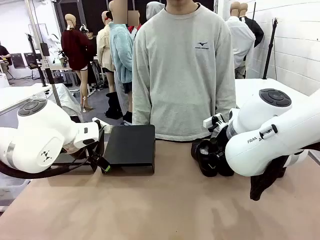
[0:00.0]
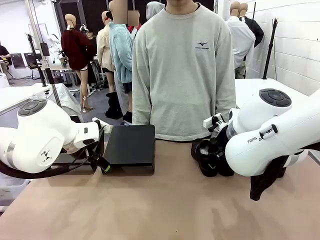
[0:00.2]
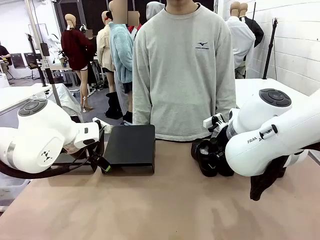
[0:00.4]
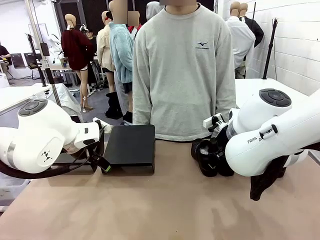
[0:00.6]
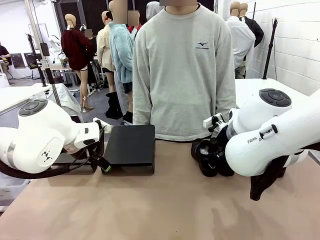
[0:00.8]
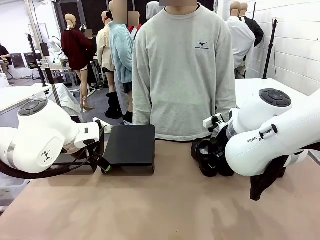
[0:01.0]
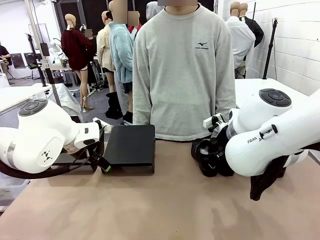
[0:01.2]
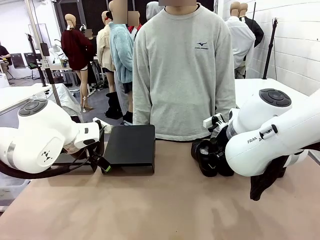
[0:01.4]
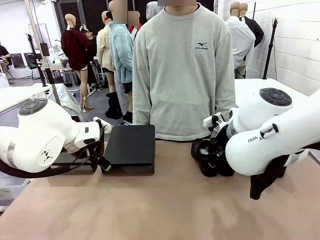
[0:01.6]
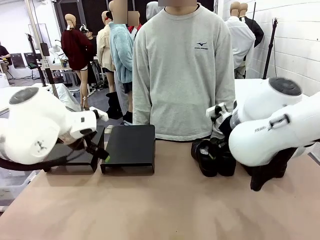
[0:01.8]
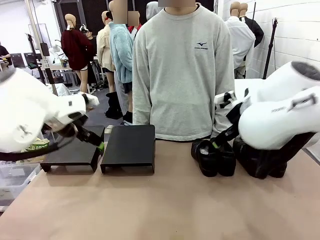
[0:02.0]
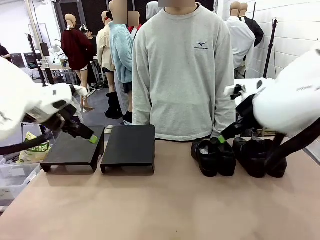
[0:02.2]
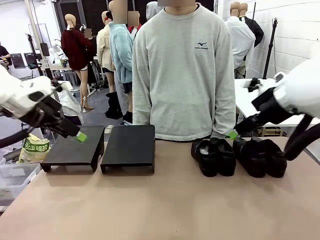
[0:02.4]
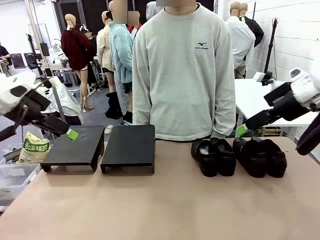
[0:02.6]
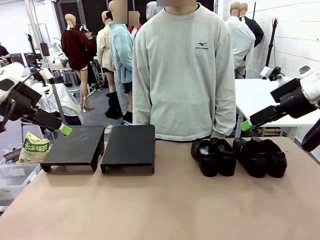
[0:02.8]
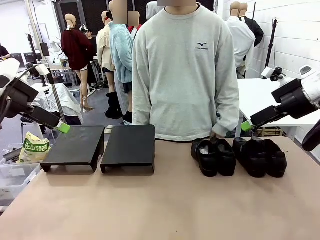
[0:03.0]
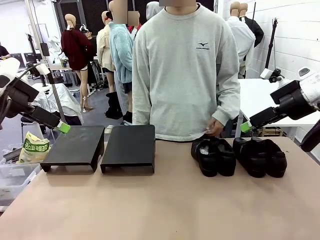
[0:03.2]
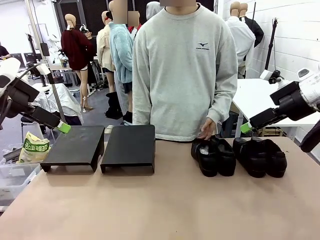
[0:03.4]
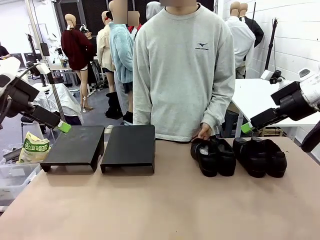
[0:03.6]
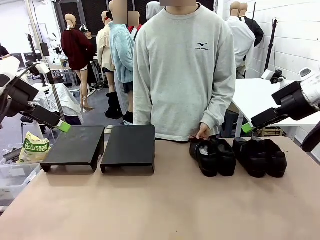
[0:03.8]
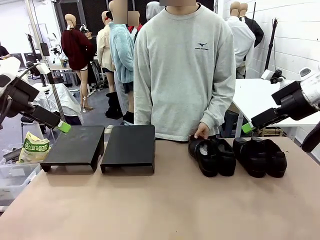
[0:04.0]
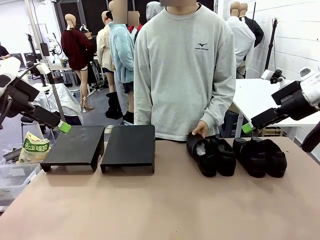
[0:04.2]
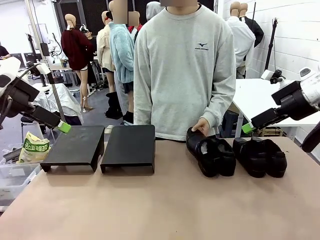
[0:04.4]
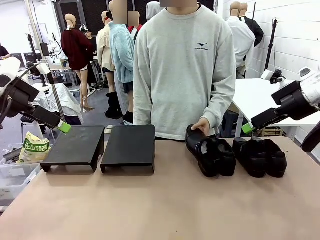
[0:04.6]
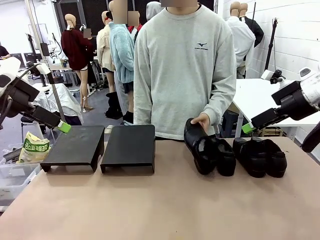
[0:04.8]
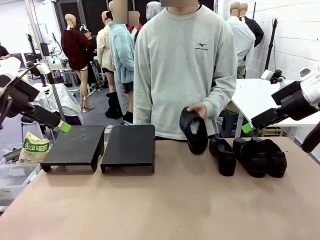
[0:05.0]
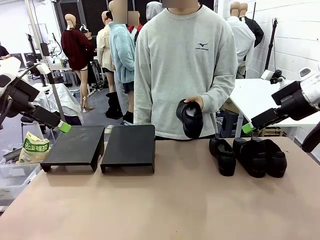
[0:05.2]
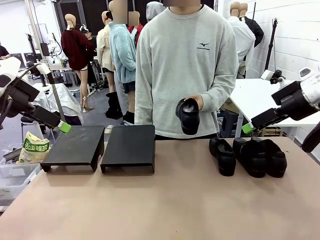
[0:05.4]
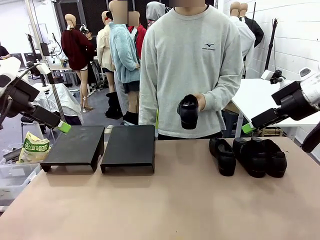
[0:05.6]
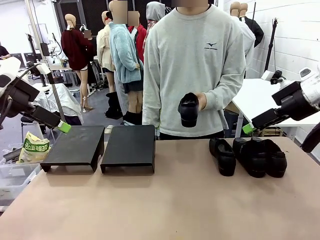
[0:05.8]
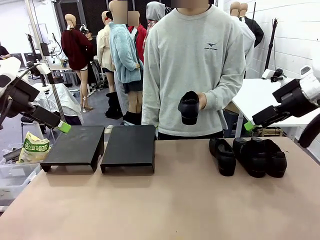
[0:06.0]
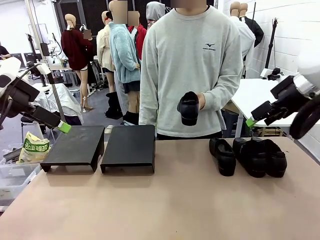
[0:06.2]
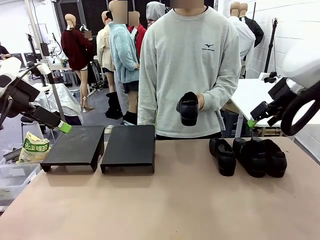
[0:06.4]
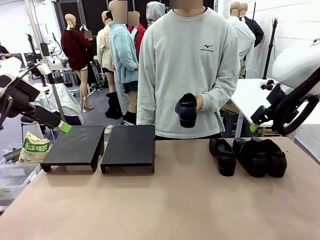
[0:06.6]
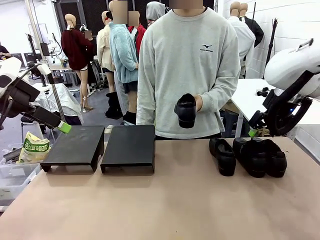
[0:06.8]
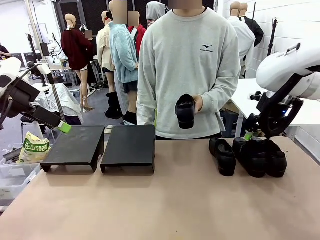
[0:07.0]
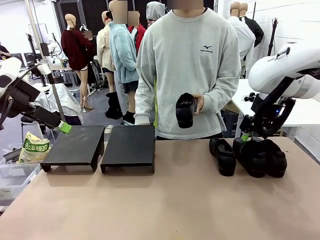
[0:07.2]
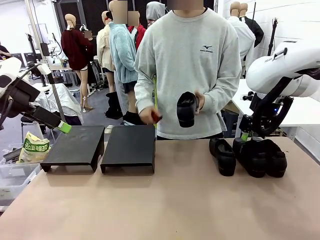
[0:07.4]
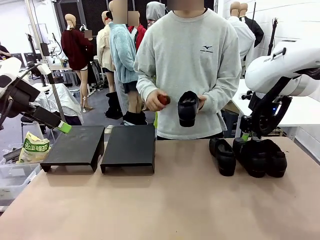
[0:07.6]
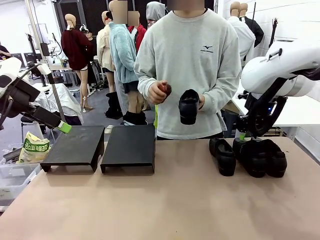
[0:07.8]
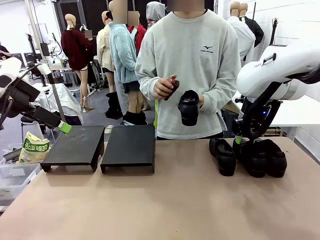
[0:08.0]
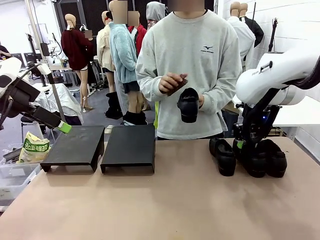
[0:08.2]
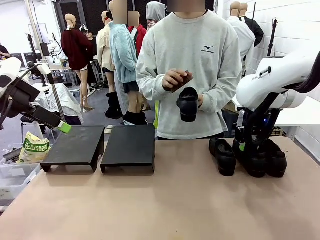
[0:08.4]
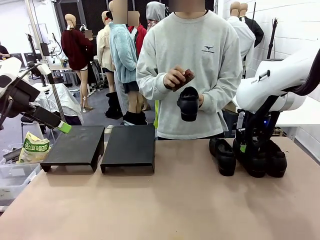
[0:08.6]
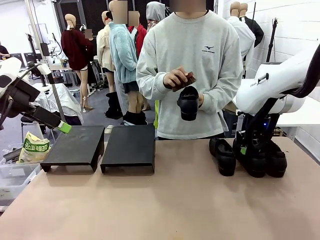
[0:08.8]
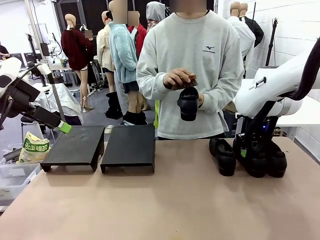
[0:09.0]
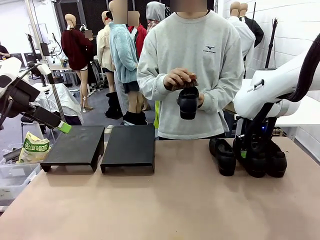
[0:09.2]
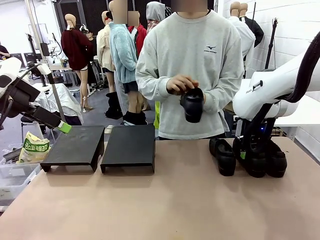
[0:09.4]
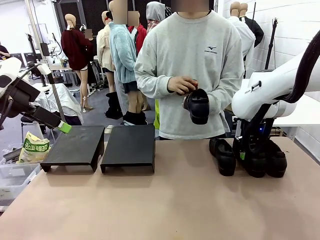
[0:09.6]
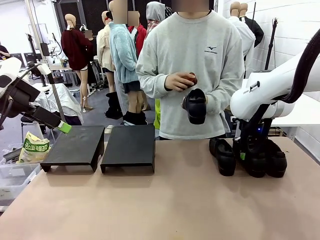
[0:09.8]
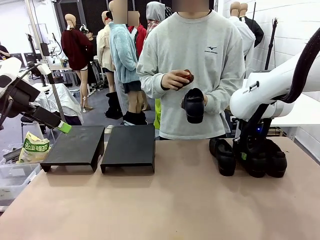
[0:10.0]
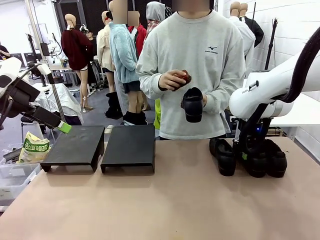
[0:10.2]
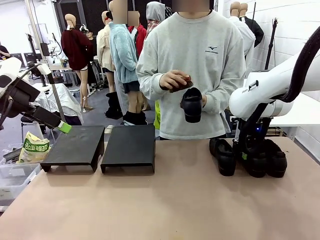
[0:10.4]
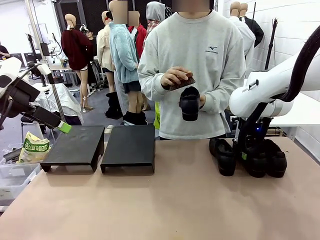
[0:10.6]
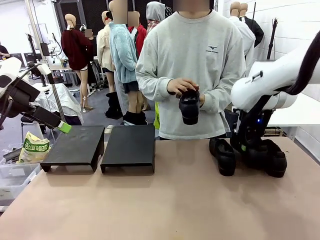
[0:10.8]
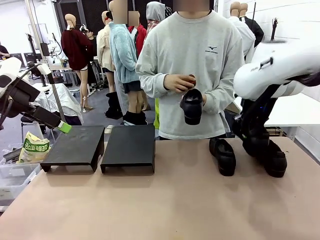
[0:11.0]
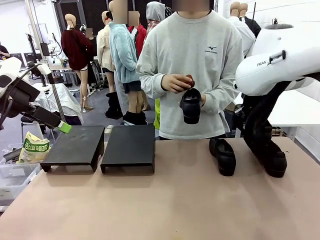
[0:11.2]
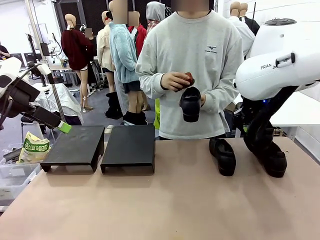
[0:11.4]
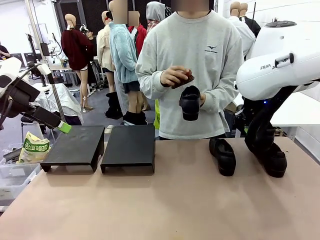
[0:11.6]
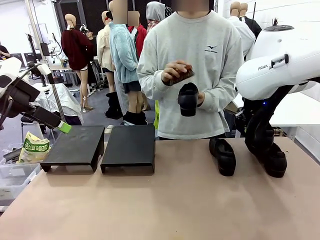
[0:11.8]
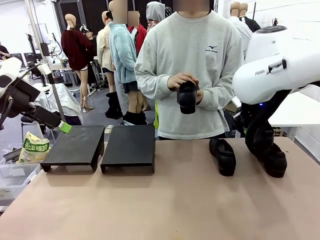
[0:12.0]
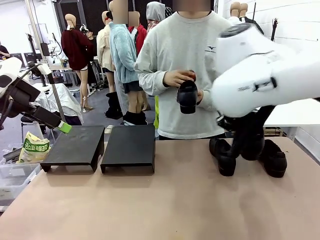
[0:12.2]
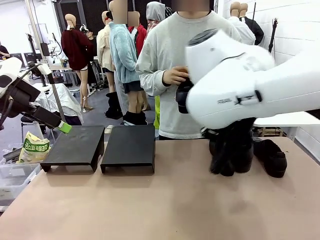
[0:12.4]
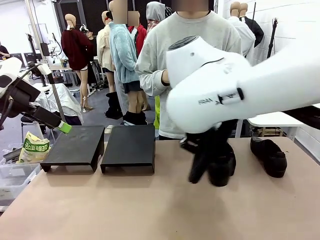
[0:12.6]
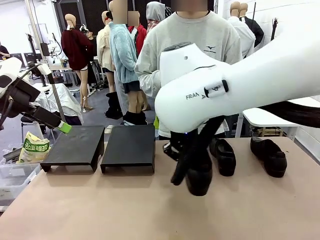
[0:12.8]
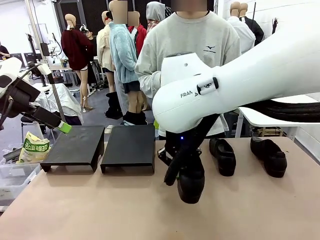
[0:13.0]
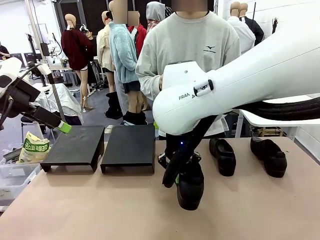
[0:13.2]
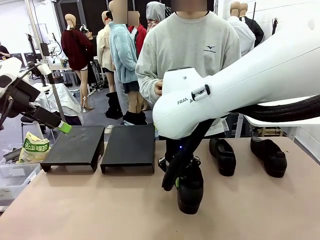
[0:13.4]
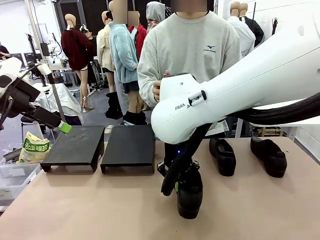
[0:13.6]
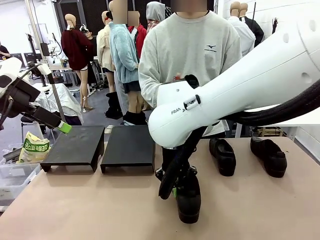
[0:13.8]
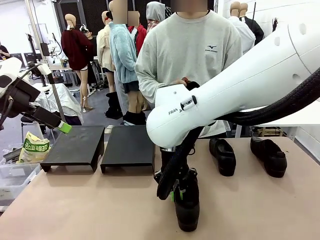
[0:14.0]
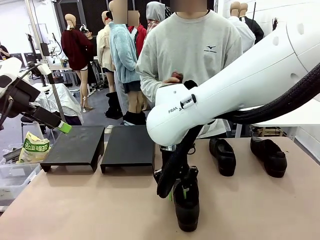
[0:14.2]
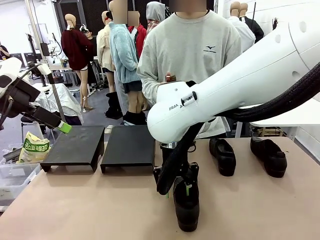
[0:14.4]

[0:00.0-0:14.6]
Task: Organize the shoes by placing them on the stand.
Robot: Pick up one Shoe and place it in the middle of the table.
Person: Pick one Shoe on Robot's table.
